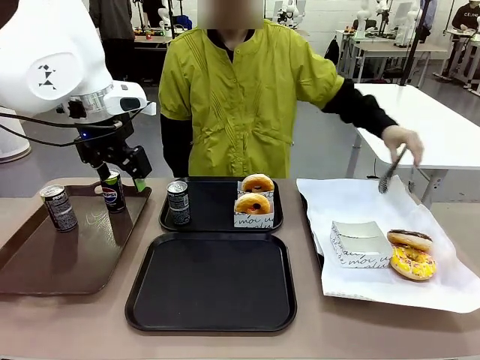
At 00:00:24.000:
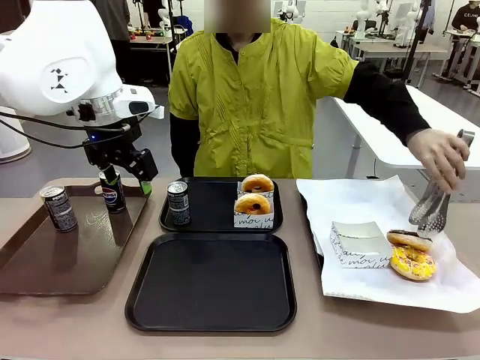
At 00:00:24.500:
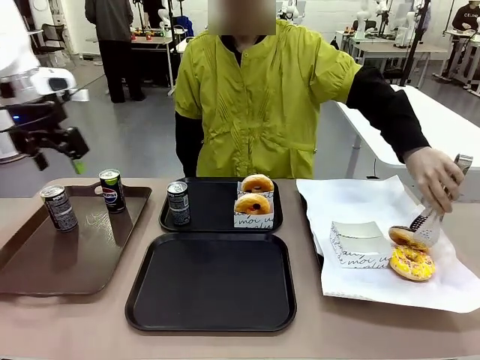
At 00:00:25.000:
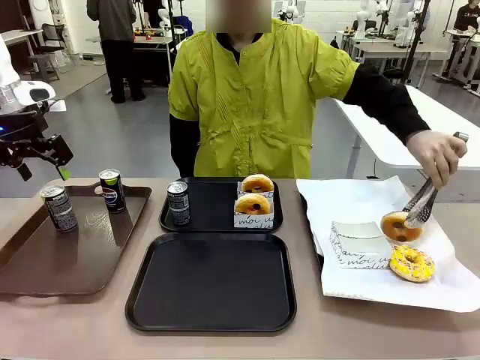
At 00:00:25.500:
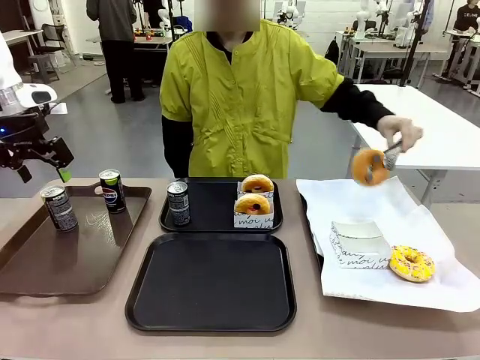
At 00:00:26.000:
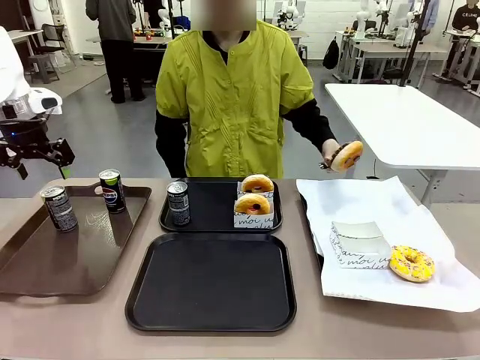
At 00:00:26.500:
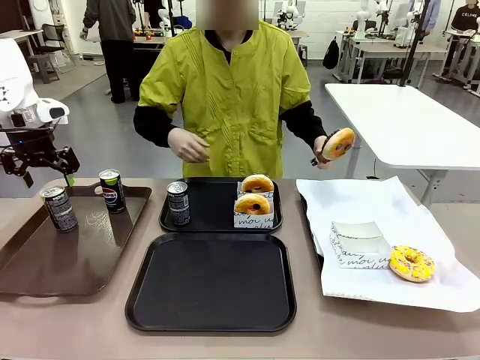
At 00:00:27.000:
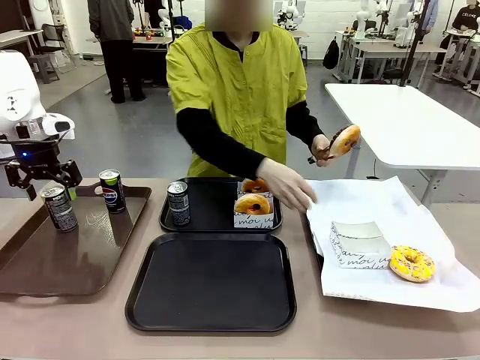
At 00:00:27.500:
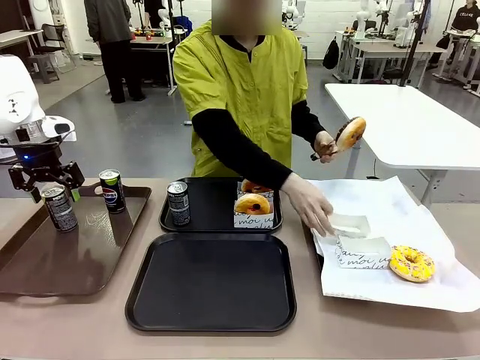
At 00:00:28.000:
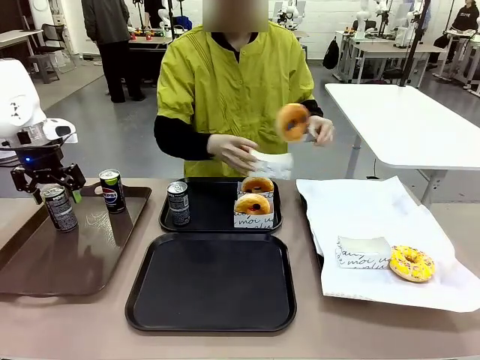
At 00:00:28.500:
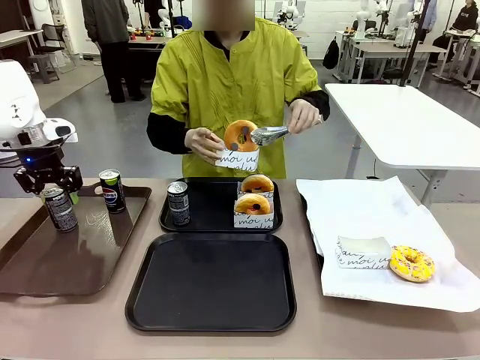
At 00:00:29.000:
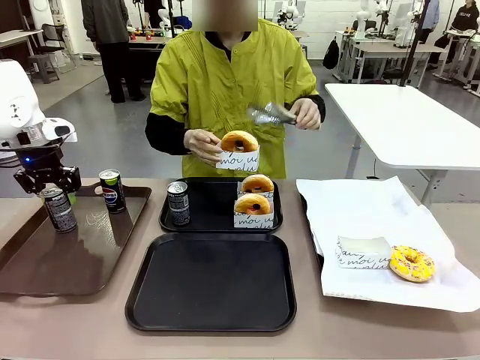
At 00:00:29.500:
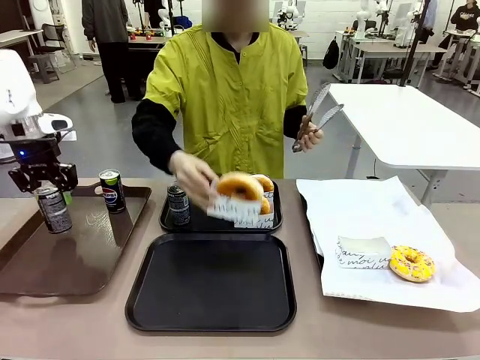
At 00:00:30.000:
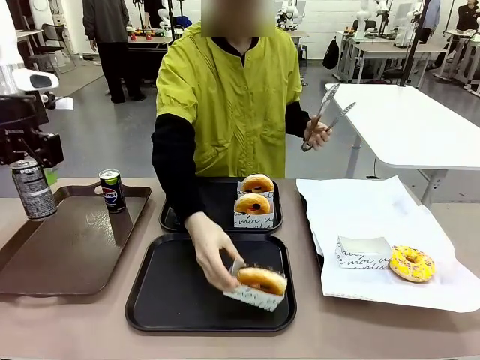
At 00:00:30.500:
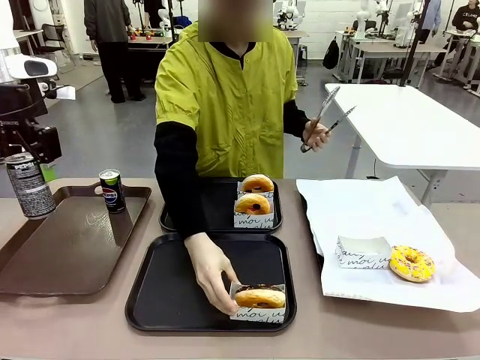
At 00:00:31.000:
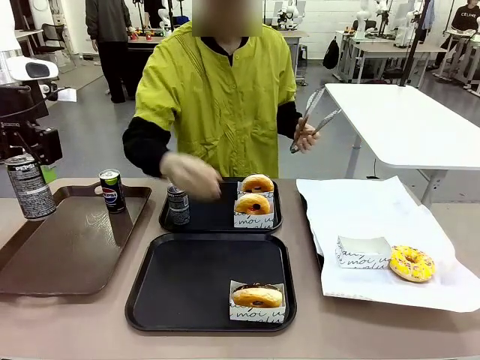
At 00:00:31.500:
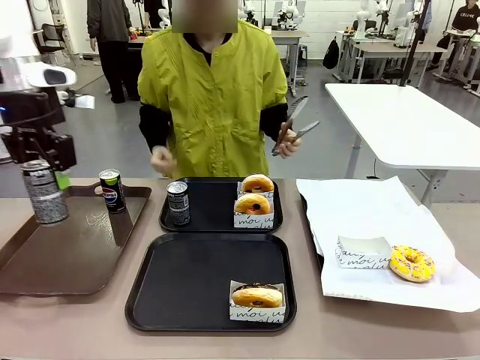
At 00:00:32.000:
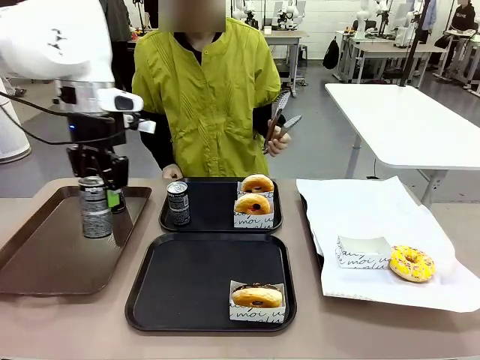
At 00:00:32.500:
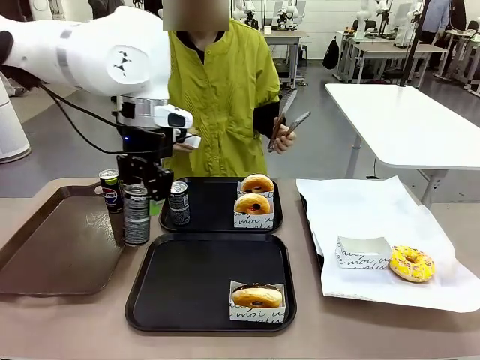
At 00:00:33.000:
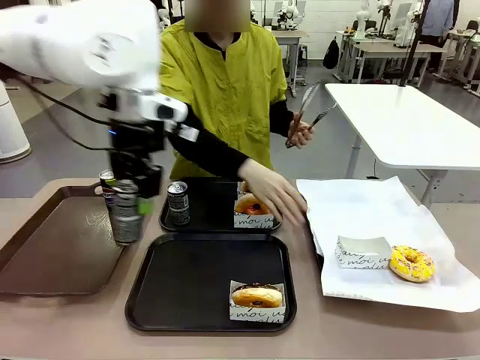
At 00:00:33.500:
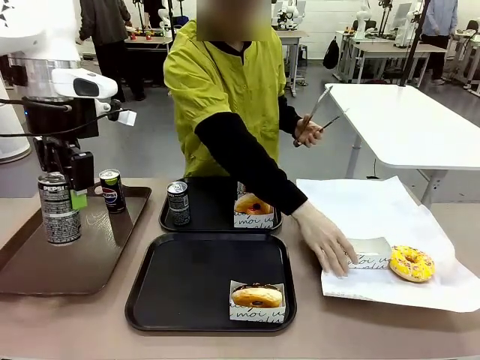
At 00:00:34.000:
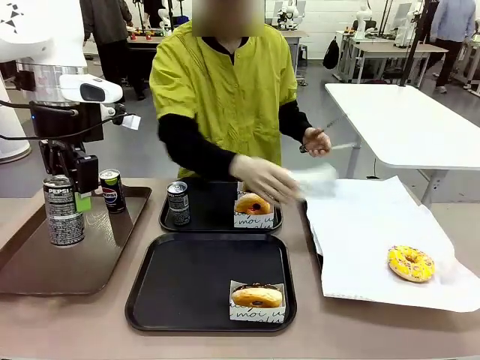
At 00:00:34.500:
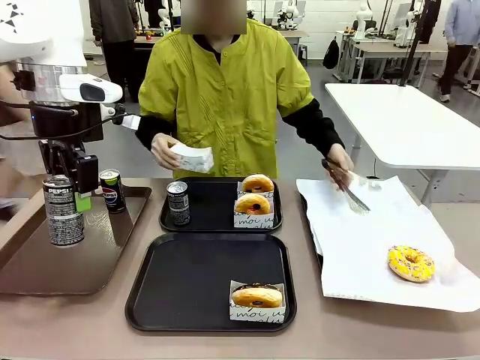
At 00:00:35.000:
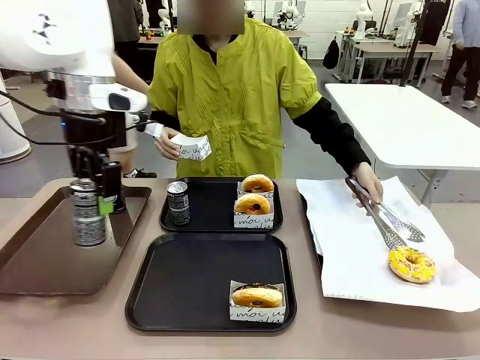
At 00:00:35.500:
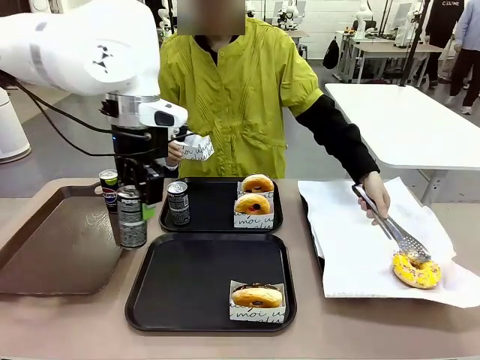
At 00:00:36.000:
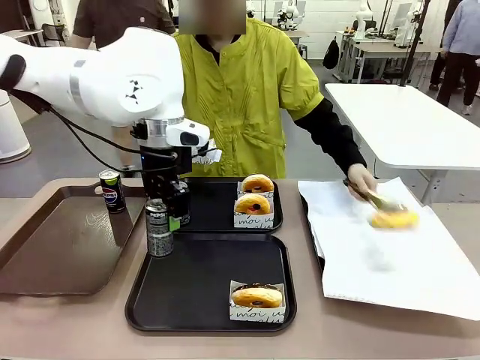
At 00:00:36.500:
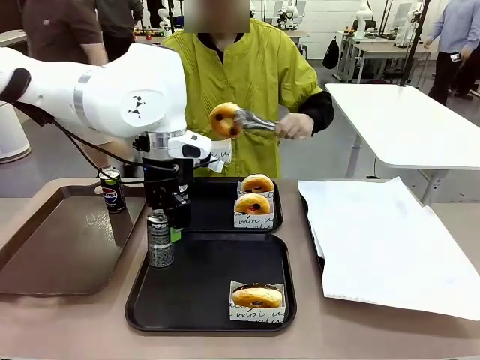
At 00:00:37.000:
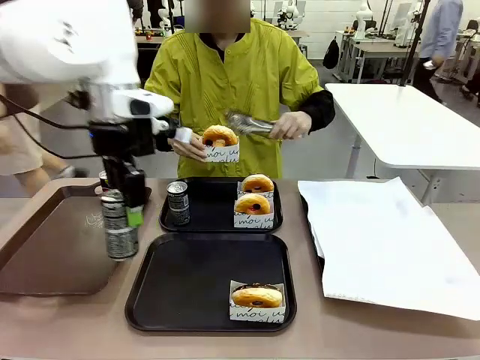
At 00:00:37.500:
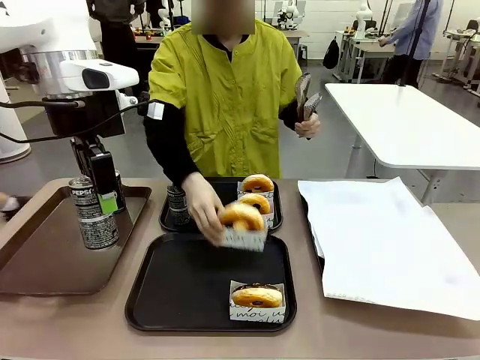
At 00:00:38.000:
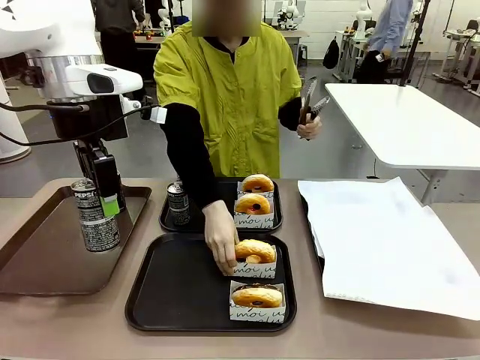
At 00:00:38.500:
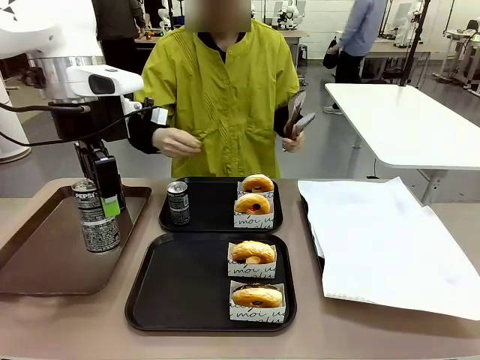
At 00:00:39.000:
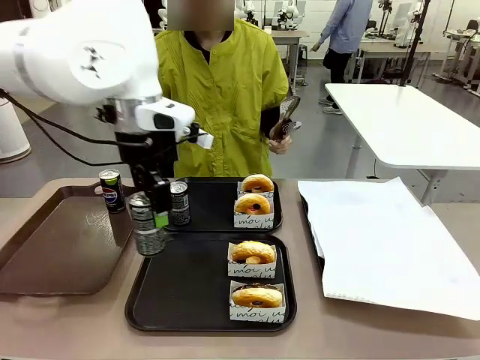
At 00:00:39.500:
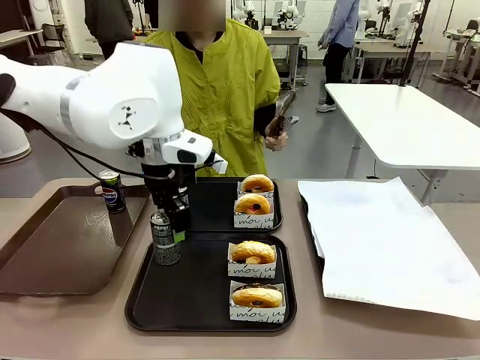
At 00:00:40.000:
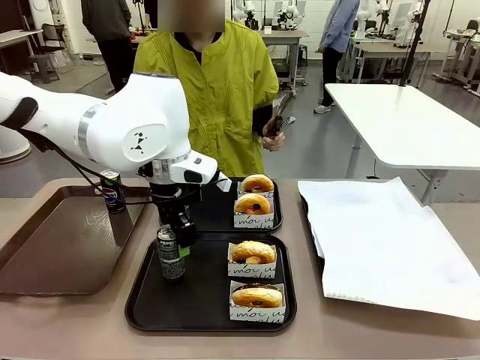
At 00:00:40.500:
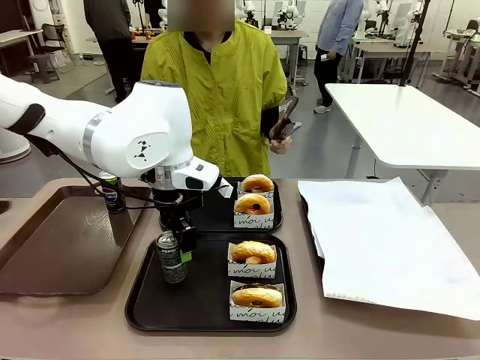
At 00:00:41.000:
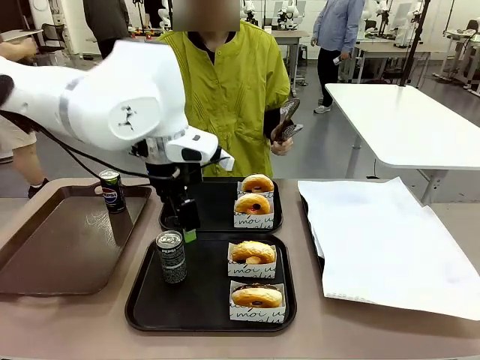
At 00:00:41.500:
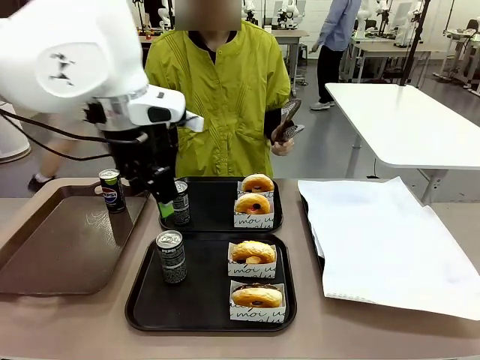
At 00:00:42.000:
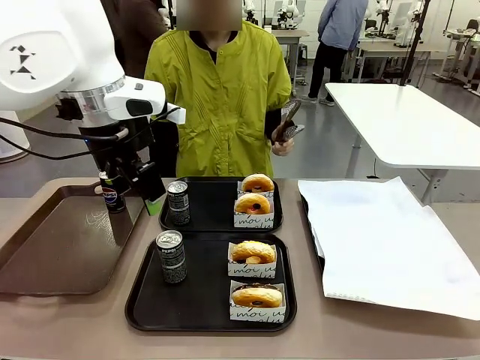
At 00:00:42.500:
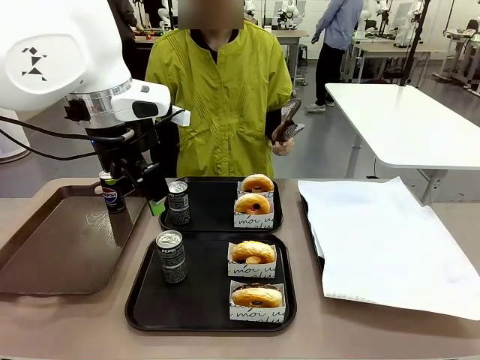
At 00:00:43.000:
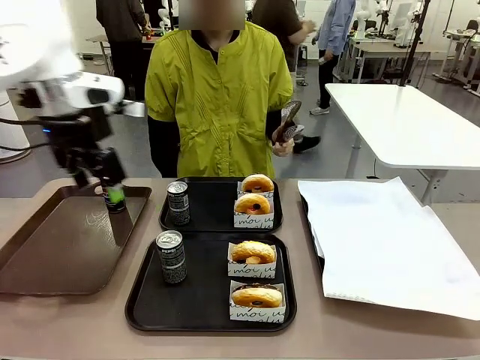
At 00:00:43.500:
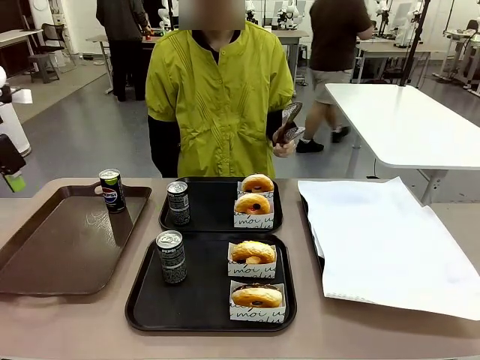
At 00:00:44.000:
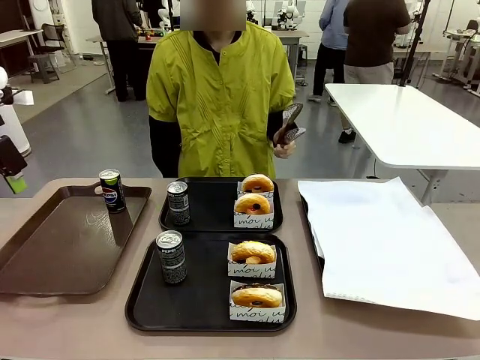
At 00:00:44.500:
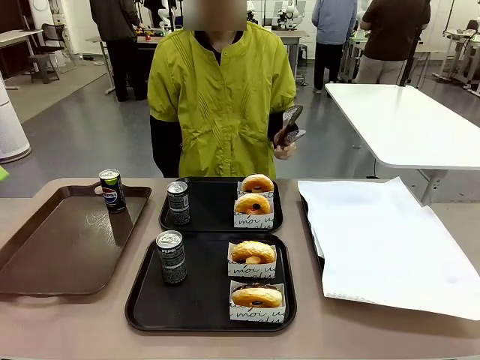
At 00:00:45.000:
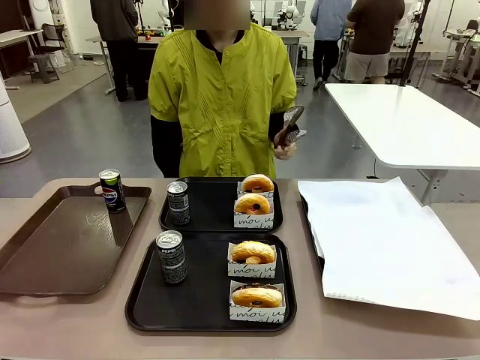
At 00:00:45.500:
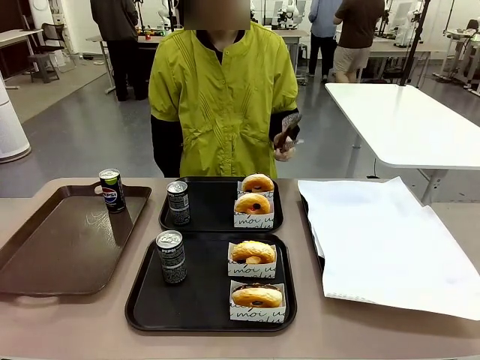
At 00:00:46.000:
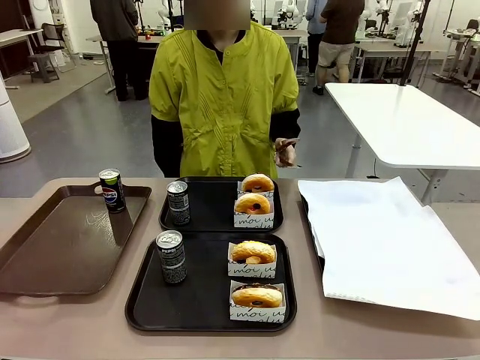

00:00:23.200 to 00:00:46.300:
Task: Set up donuts and drinks on trays.
Robot: Pick up one Pepsi coke from the Handle tray and place it on the Flat Tray without a Pepsi coke.

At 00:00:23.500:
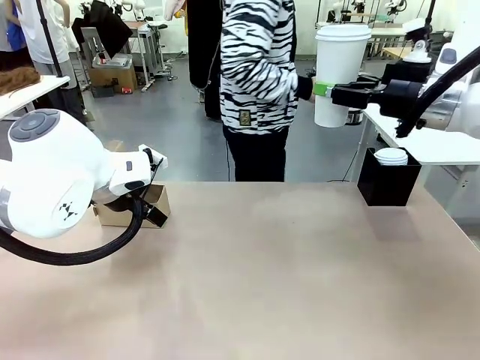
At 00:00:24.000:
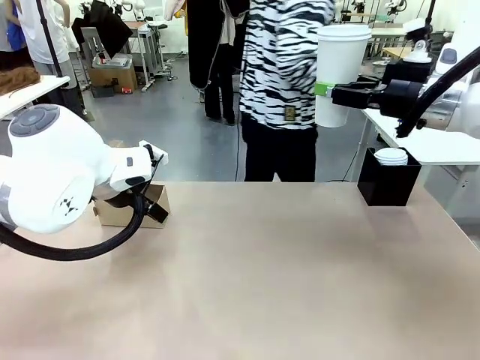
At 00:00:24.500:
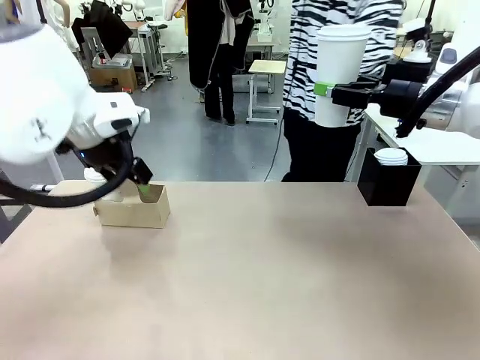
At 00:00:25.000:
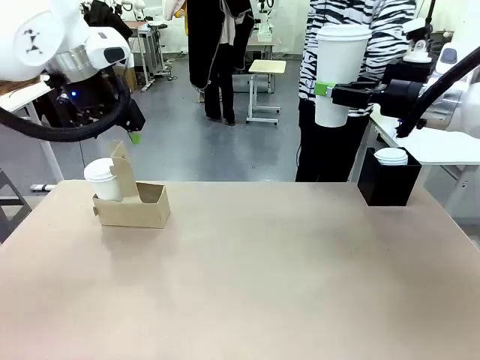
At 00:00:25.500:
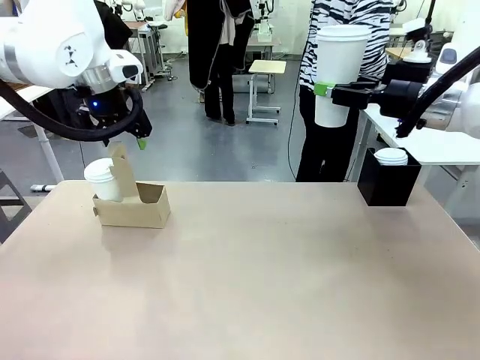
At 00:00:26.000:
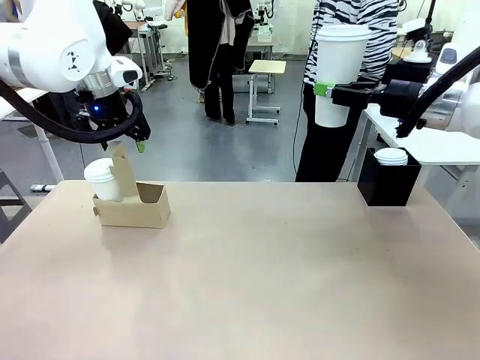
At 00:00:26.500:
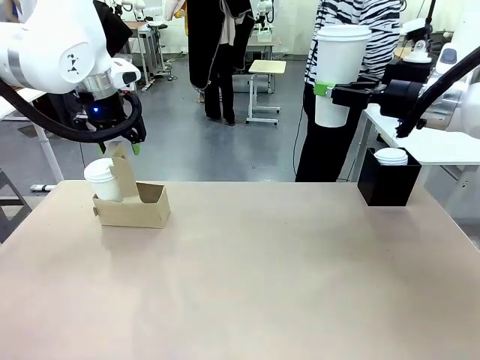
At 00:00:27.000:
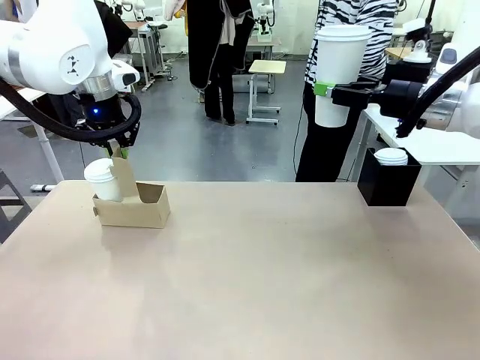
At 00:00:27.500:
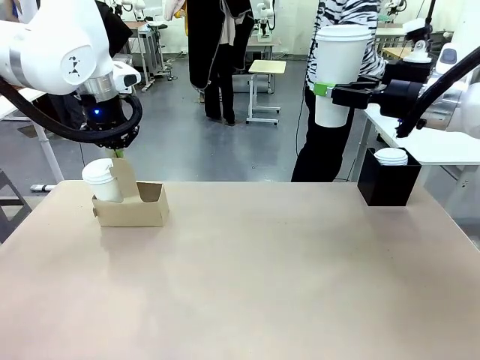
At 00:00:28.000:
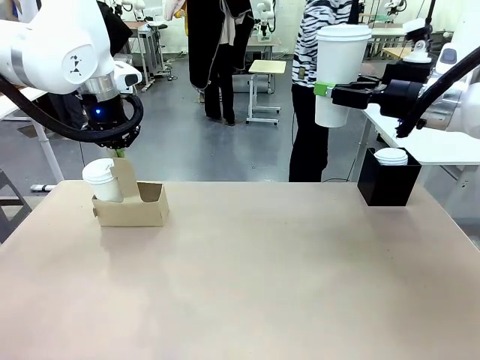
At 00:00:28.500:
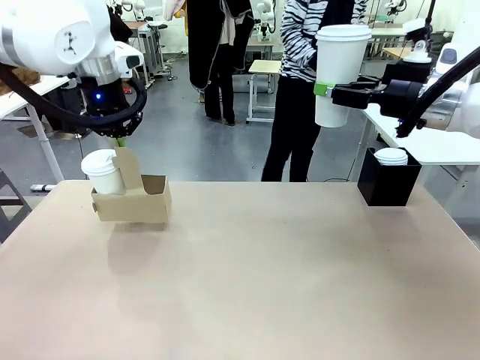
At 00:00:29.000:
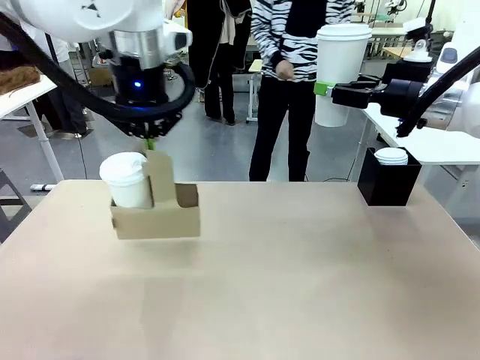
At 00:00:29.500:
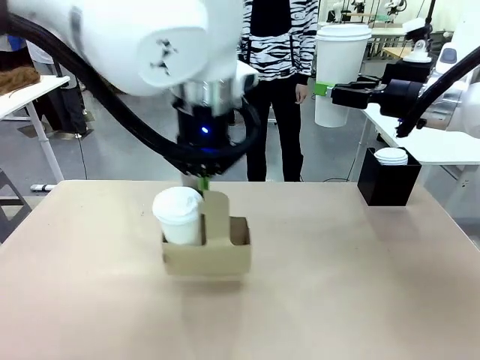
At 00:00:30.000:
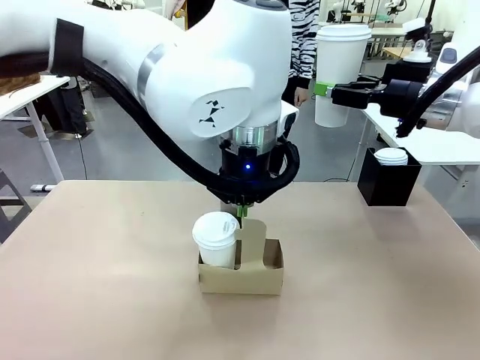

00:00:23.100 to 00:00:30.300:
Task: Pour a drink into a cup and package it in a carrier.
Robot: Position the Cup Carrier in the center of the table.
